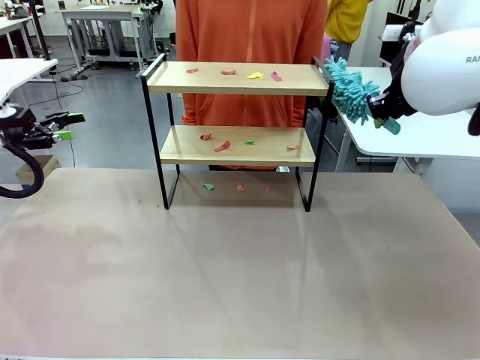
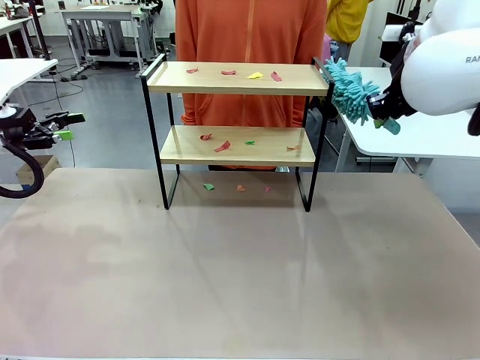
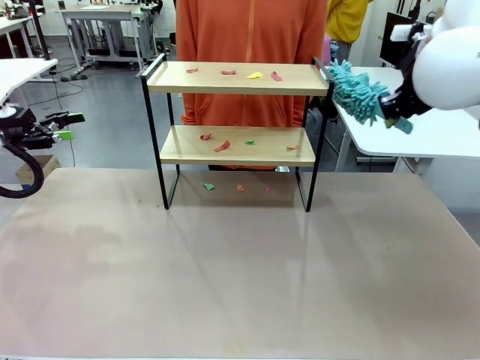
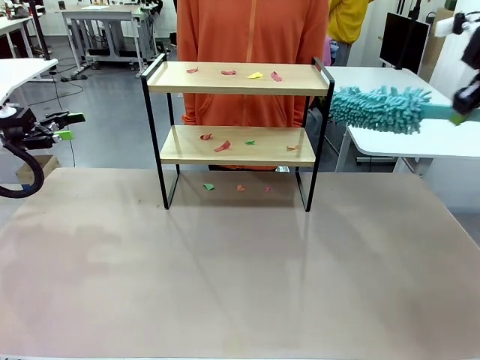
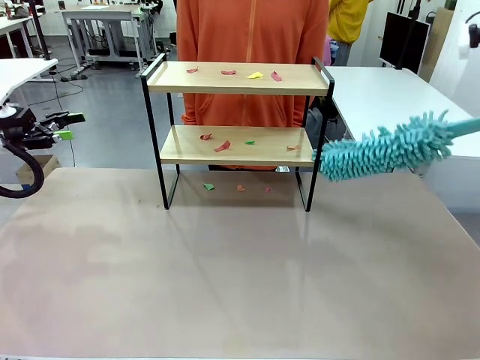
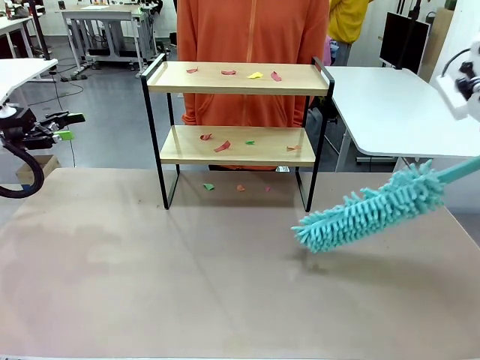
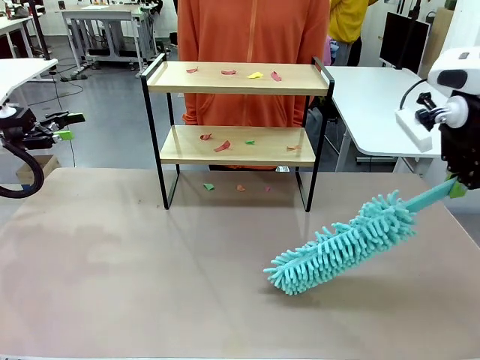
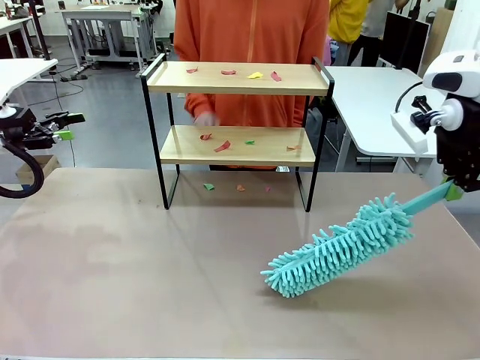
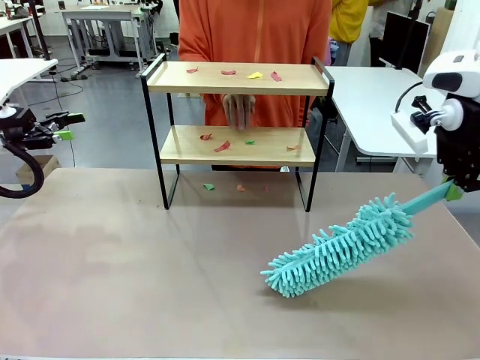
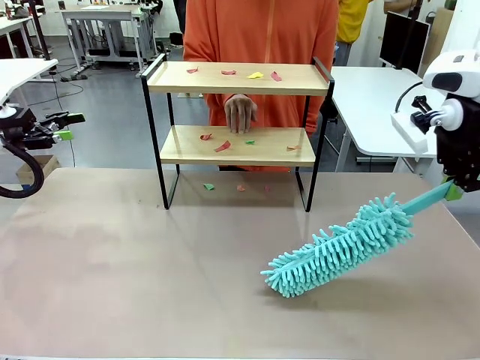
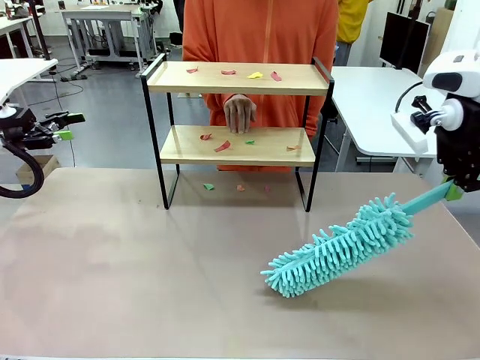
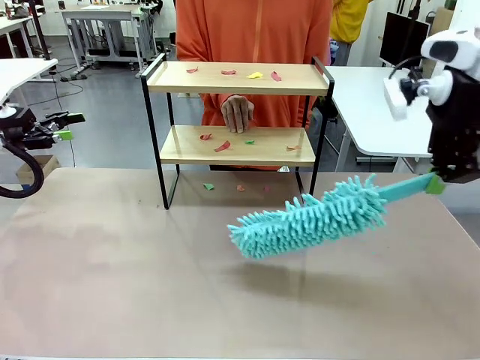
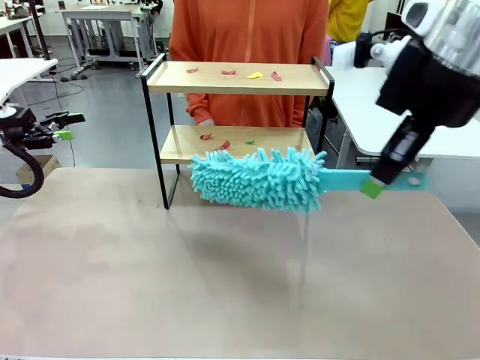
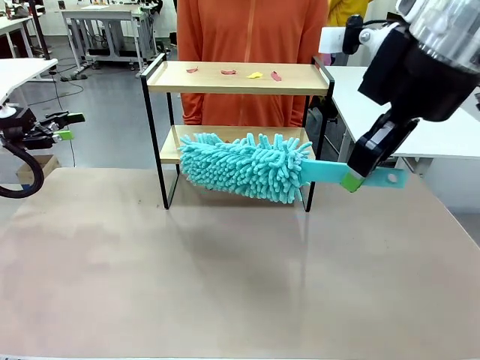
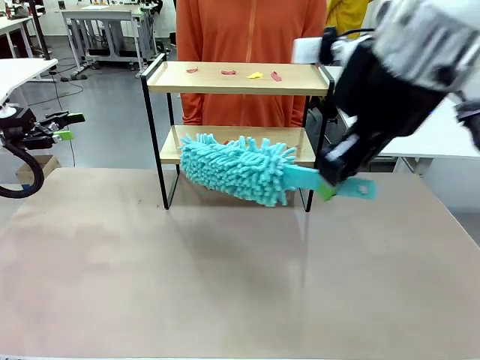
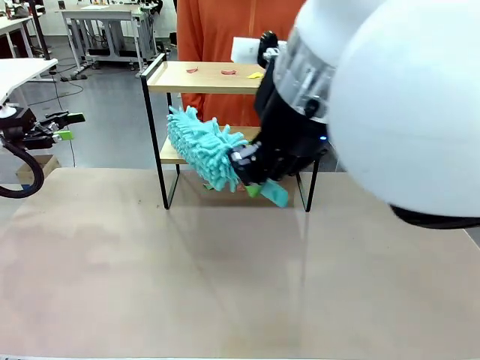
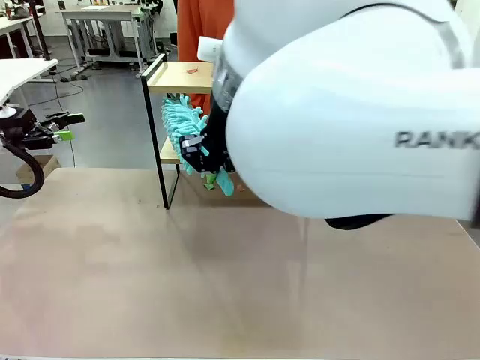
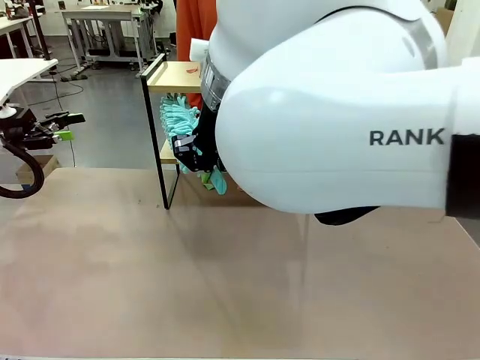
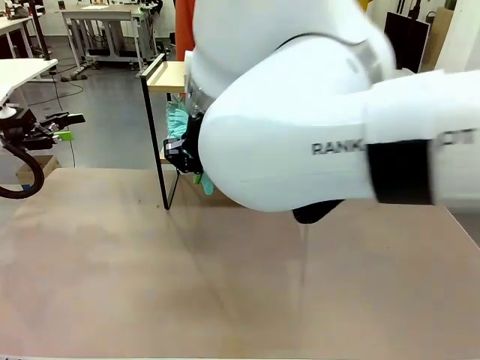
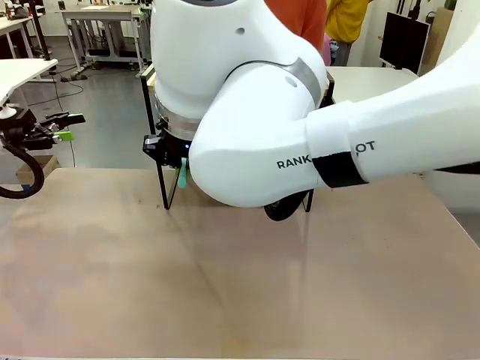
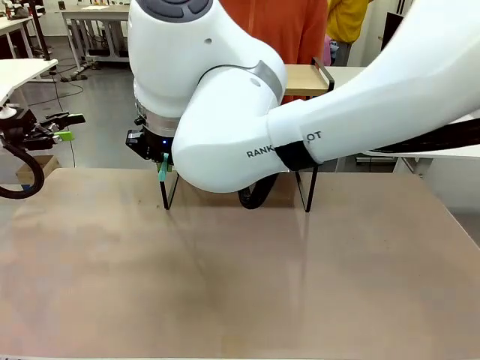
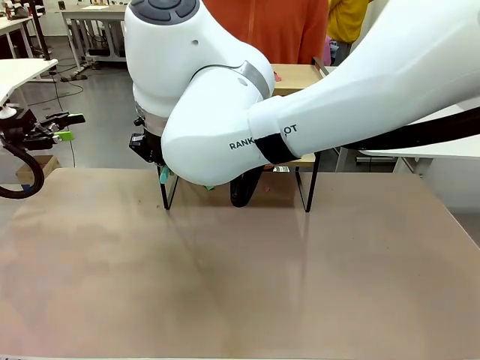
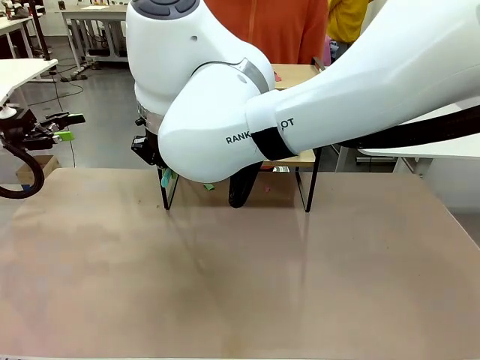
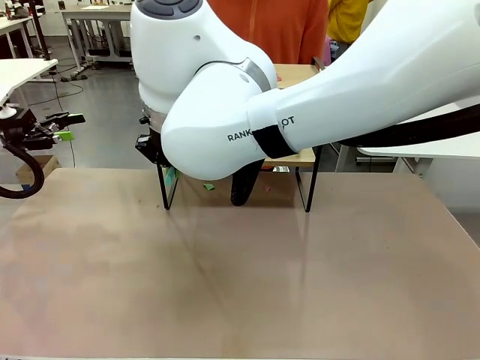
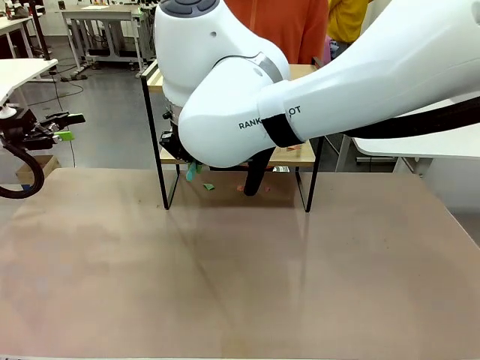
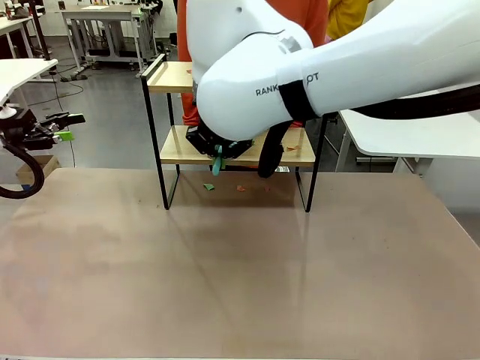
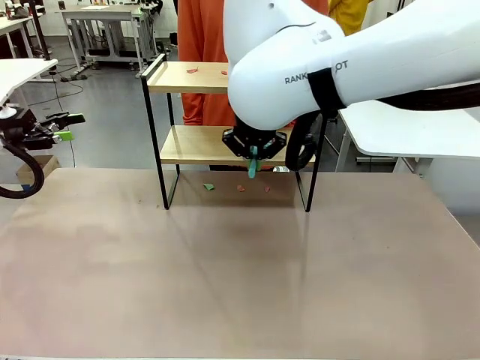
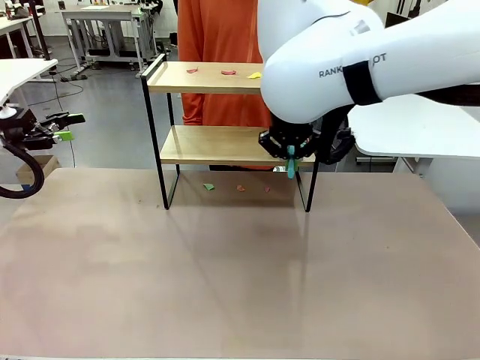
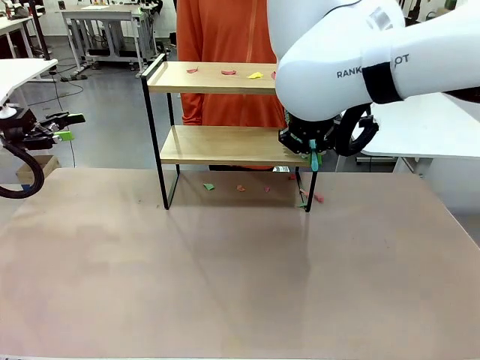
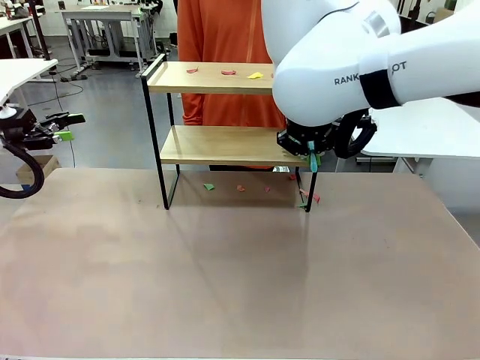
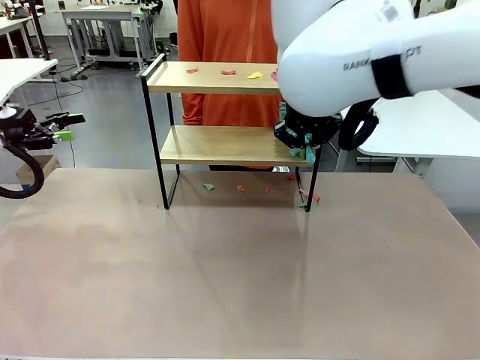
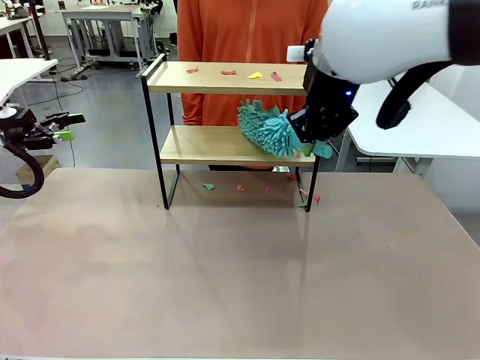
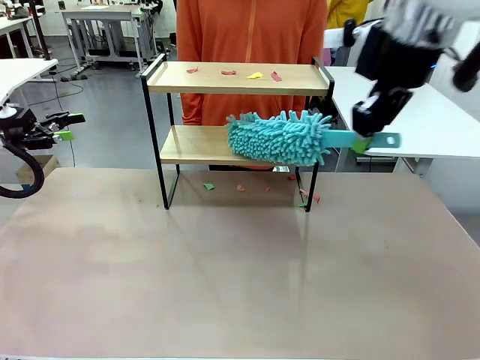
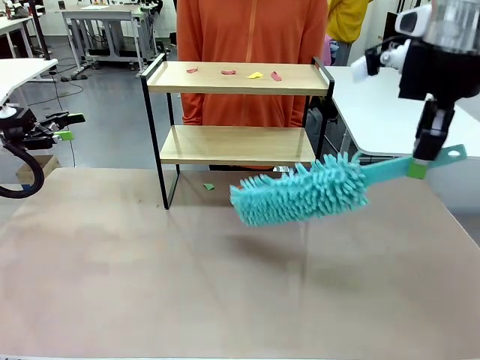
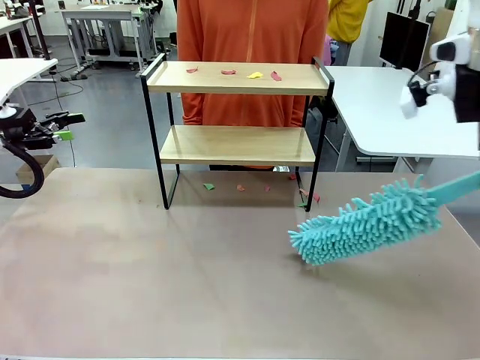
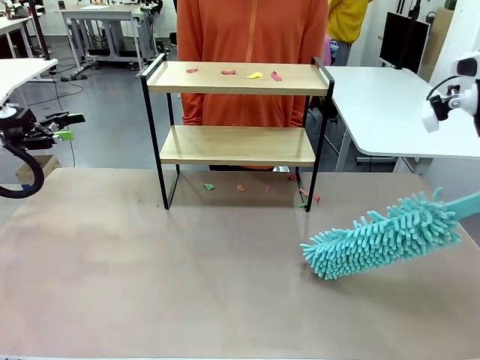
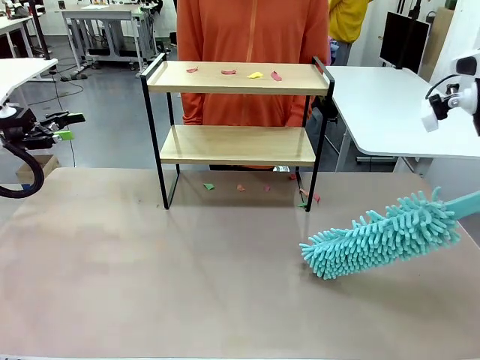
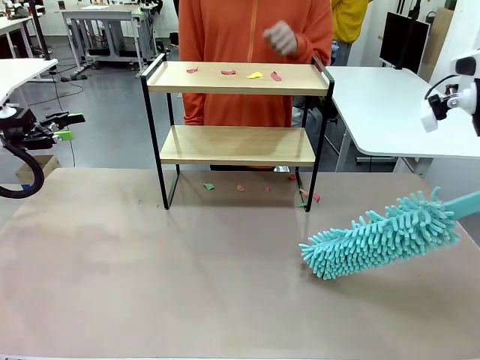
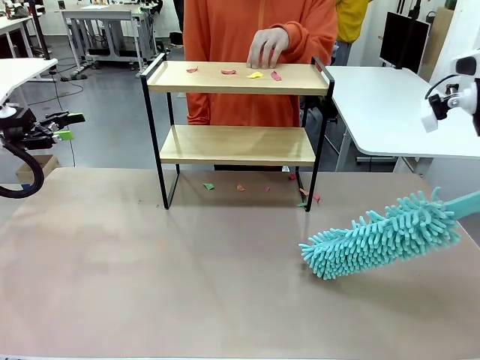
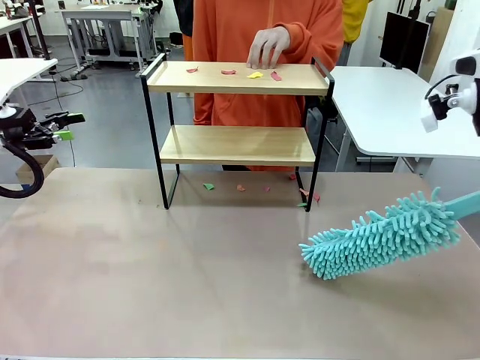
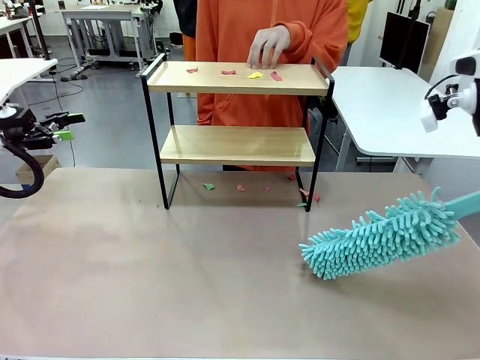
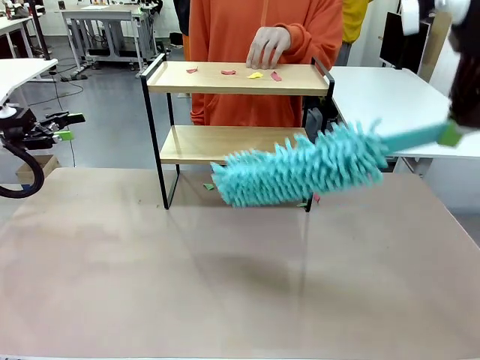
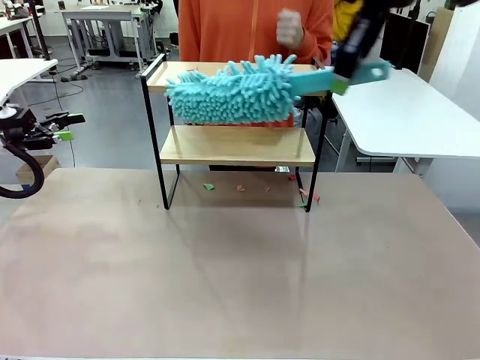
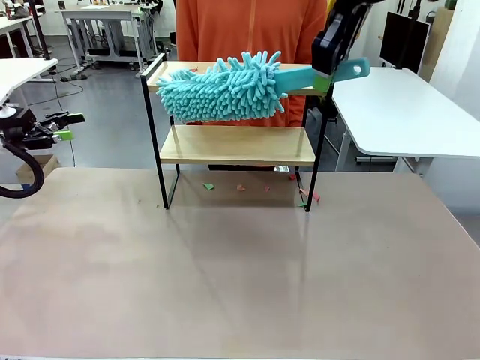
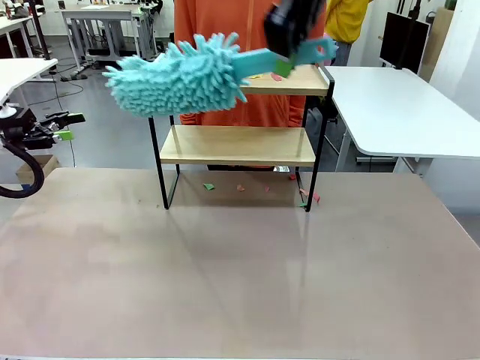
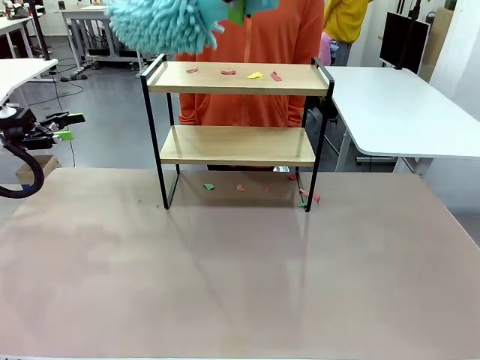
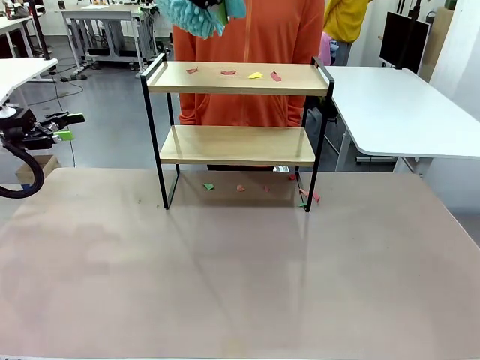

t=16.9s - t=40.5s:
Task: Clean the shelf.
Robot: Clean the specific section of the Shelf indicated by the human with the Duster.
Person: Point a random section of the Shelf.
